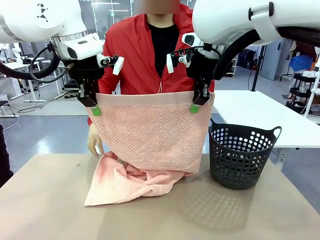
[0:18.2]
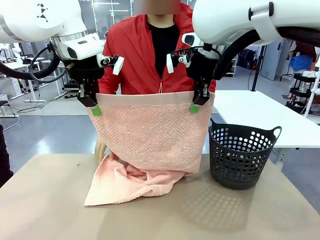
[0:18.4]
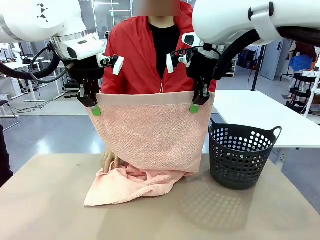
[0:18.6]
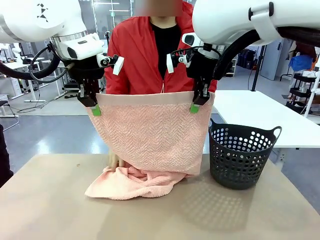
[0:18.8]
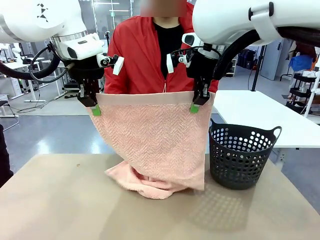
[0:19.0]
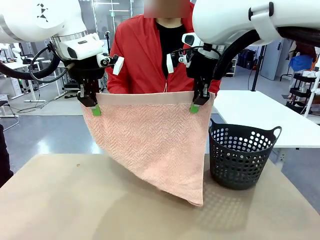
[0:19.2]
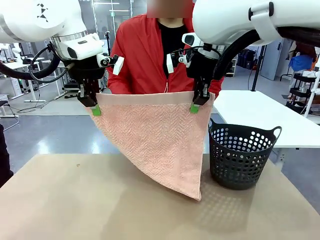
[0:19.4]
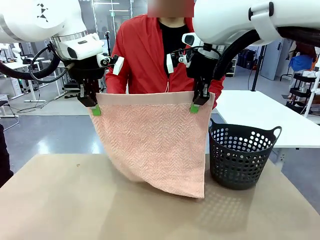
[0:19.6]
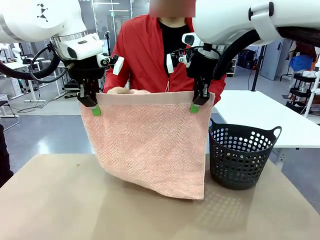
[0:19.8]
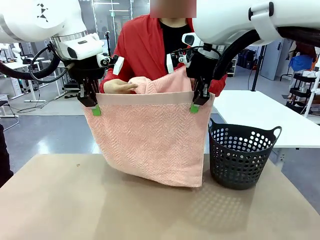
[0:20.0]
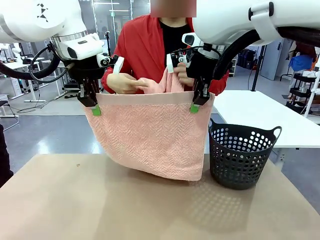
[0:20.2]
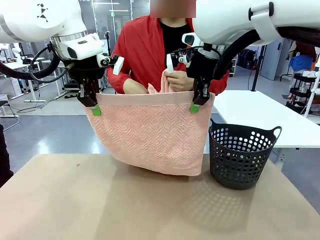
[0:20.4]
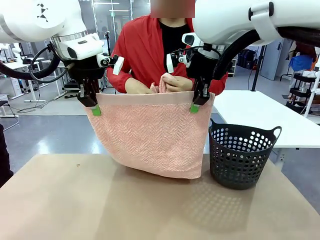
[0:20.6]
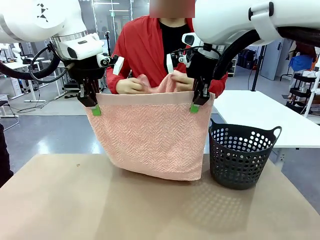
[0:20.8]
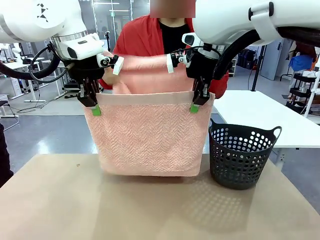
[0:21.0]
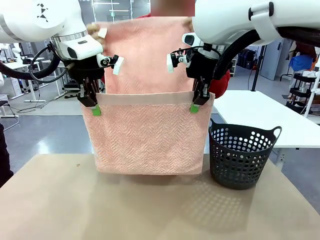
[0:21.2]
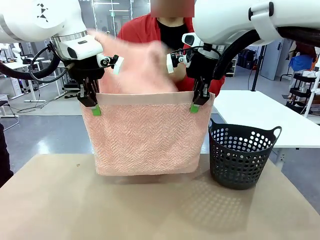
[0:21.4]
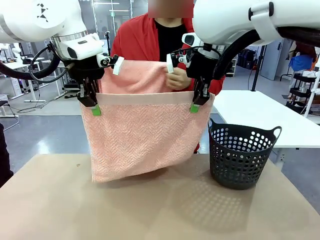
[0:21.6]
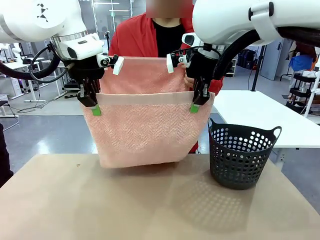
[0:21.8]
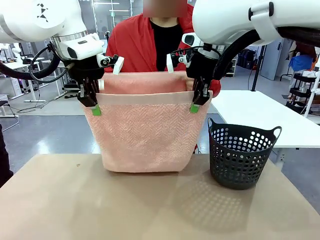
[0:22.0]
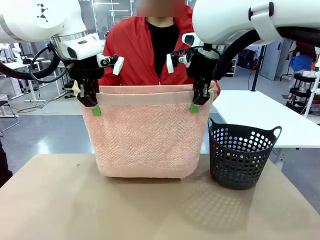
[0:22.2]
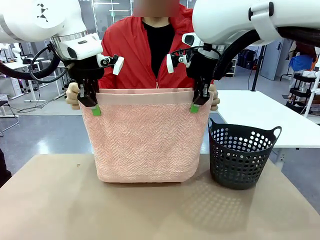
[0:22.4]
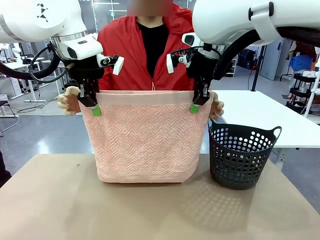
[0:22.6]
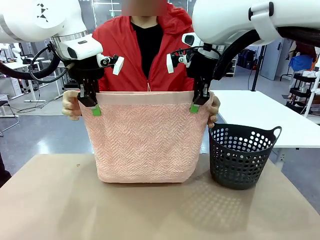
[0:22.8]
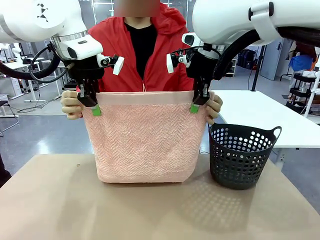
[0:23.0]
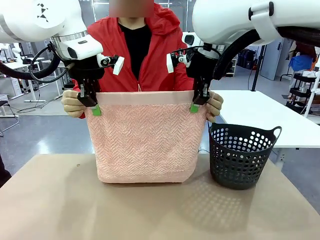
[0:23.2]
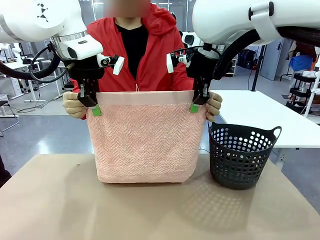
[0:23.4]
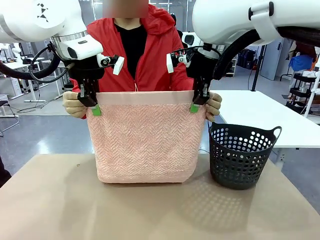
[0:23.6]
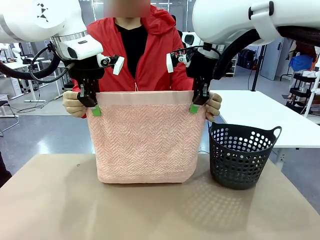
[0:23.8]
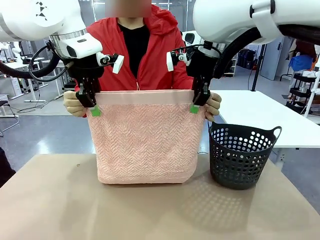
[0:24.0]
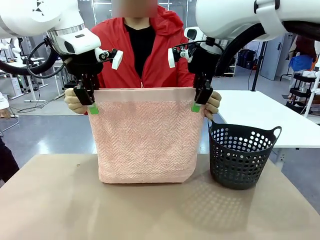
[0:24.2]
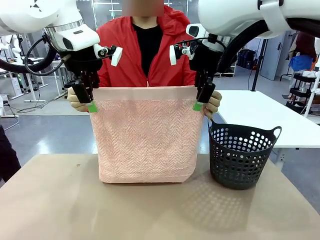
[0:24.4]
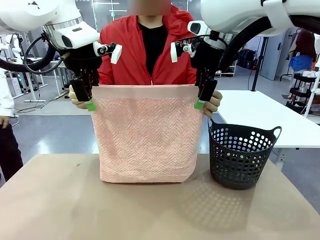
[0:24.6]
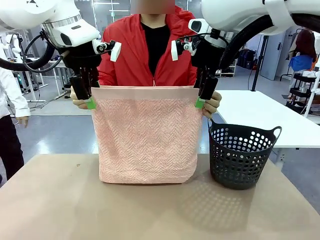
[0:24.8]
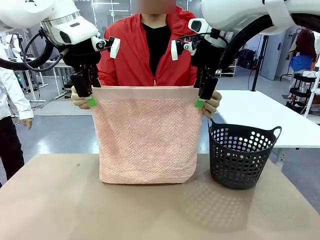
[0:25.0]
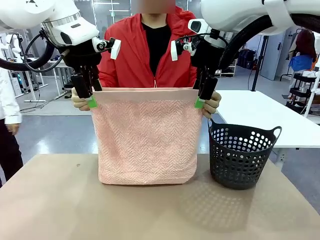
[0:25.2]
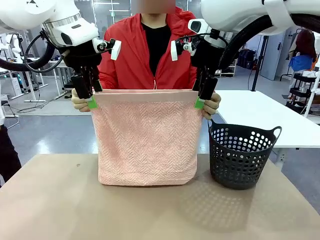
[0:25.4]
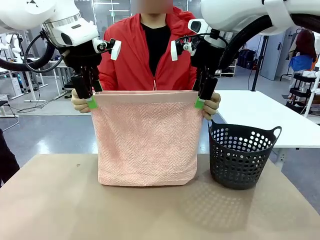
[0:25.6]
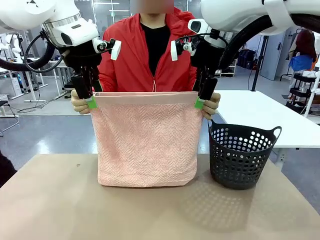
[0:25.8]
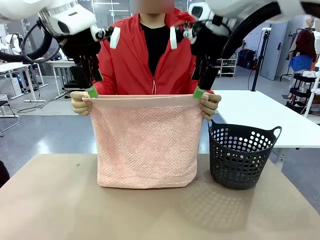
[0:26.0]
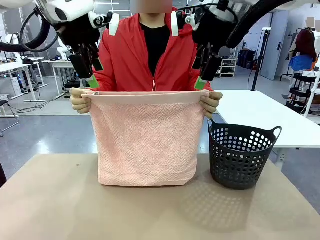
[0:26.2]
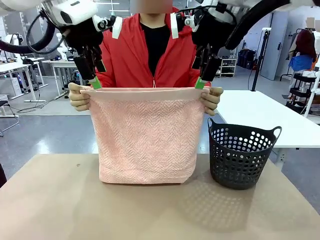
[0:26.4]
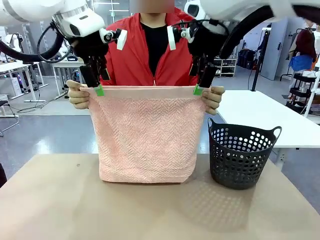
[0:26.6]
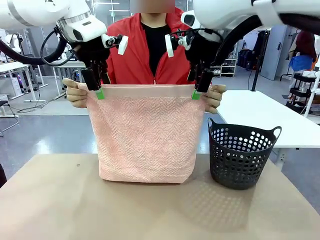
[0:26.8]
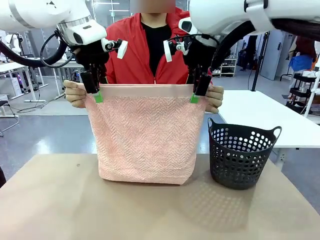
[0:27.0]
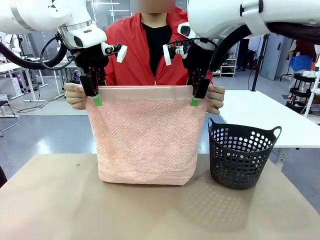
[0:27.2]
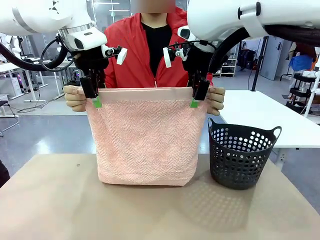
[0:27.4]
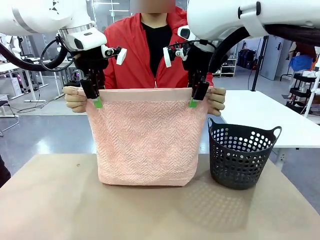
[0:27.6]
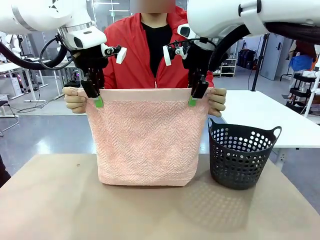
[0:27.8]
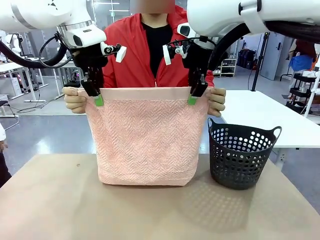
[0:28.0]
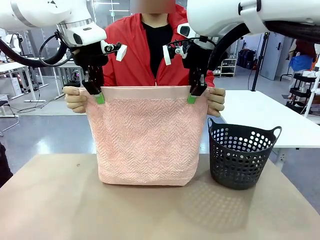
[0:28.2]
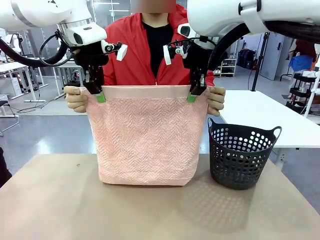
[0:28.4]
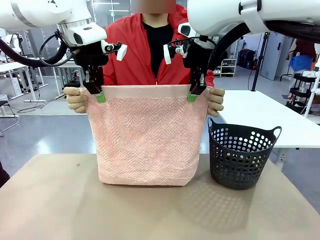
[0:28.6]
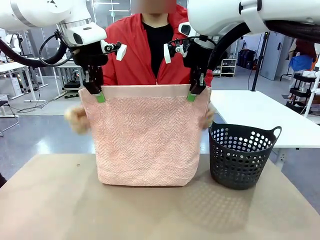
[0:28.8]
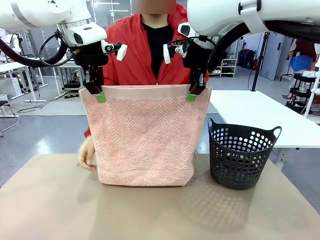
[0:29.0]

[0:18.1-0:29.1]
Task: Fold the towel.
Robot: Release the end of the 100 cm Hotel Towel you were holding and grab the top end of the folded side.
Person: Using the point held by the robot as a reference, grasp the opposite end, fold the towel in half, and then hold both ends of the folded towel.

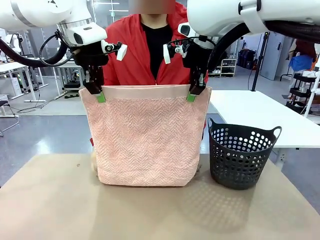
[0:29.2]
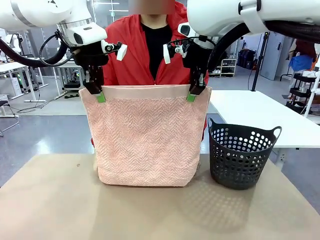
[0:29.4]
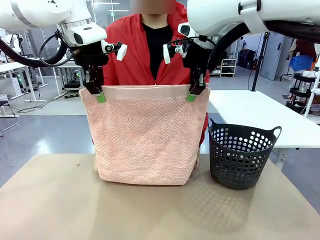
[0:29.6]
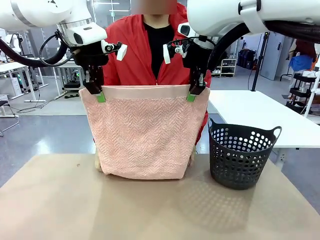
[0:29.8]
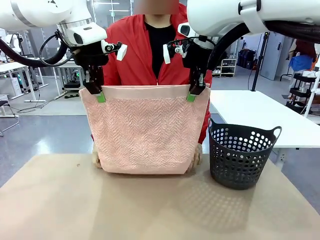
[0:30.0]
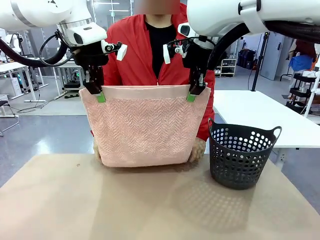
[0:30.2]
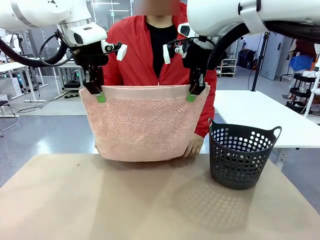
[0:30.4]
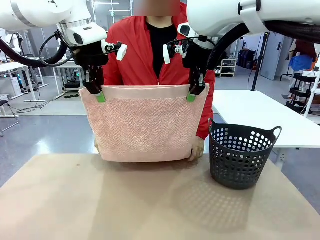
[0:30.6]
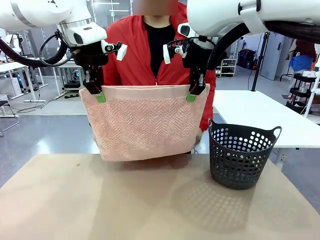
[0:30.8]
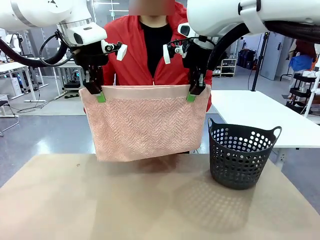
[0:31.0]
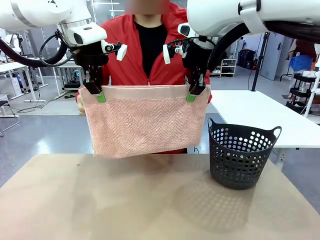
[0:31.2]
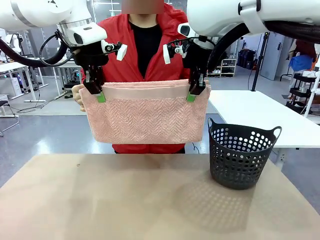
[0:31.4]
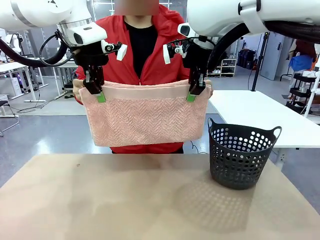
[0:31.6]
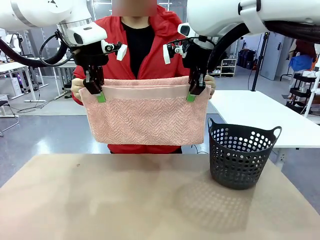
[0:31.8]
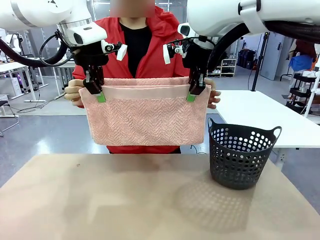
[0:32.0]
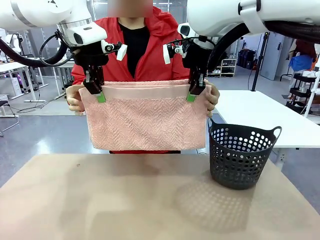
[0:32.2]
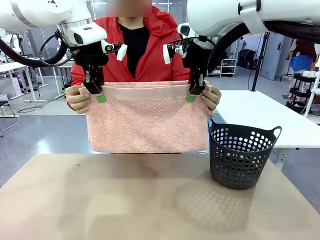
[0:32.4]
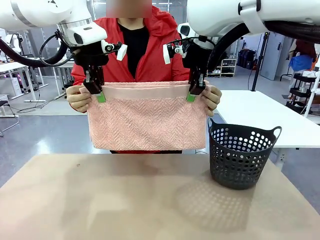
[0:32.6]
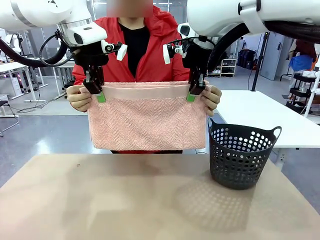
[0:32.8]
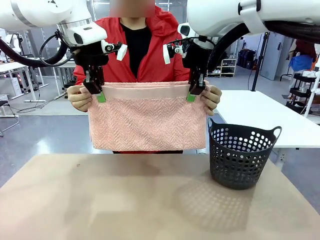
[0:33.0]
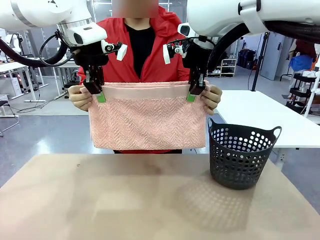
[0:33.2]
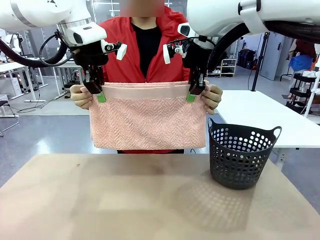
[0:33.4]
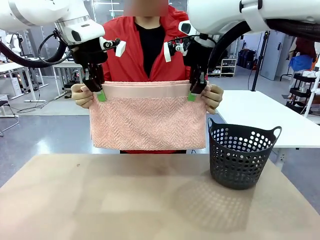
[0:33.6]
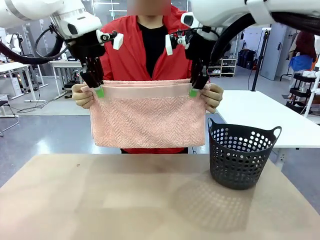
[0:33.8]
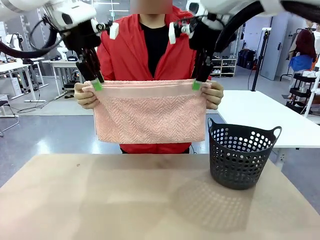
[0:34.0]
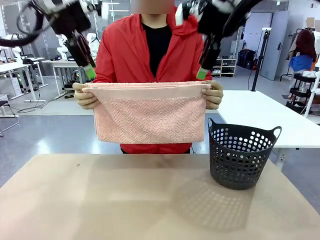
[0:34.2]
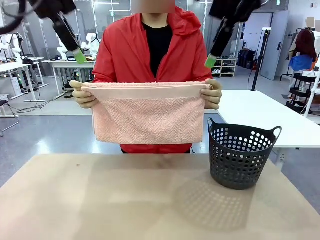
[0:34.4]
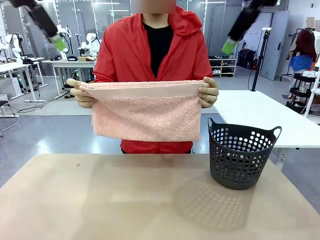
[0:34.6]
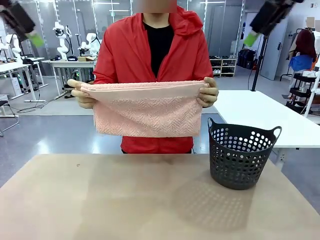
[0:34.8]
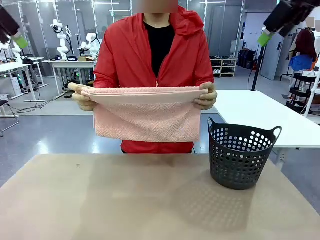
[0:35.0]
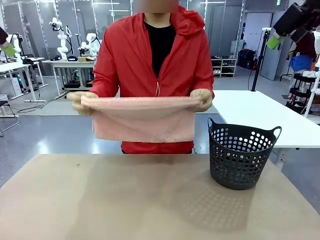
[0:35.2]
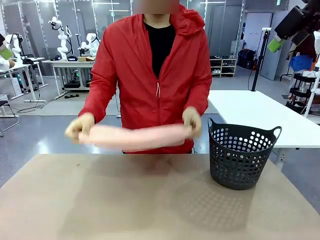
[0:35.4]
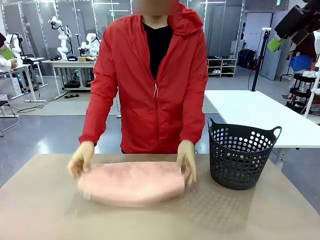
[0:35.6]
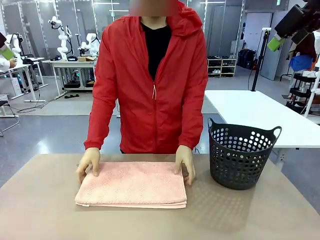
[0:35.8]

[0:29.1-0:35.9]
Robot: Release the end of the 100 cm Hotel Towel you were holding.
Person: Place the towel at the center of the robot table and fold it in half.
